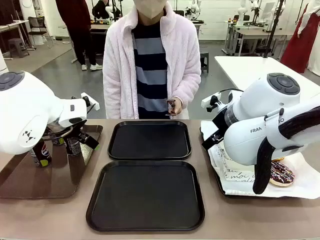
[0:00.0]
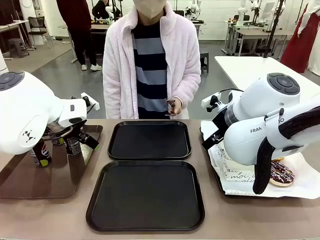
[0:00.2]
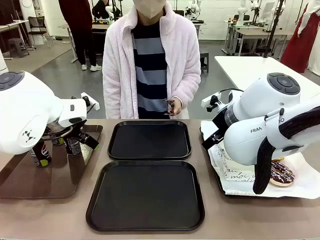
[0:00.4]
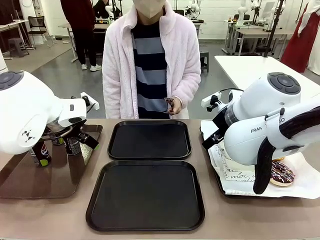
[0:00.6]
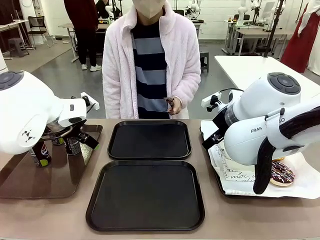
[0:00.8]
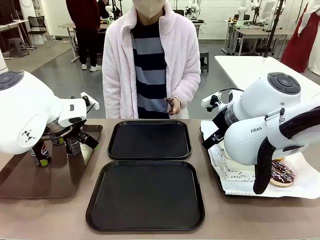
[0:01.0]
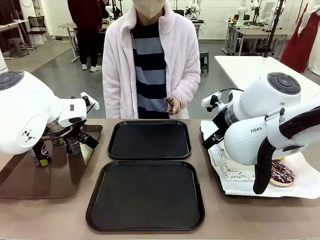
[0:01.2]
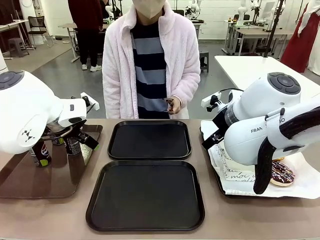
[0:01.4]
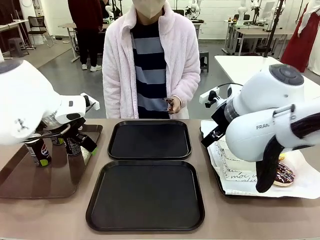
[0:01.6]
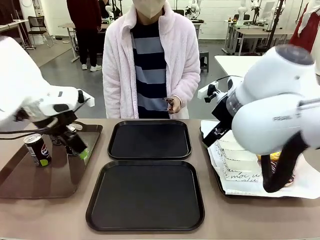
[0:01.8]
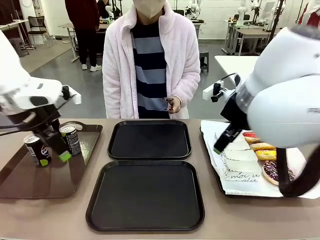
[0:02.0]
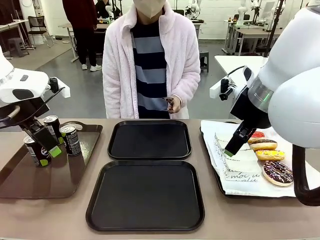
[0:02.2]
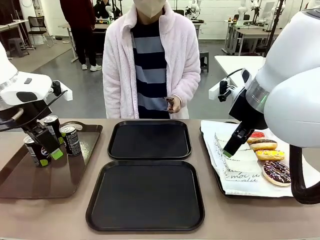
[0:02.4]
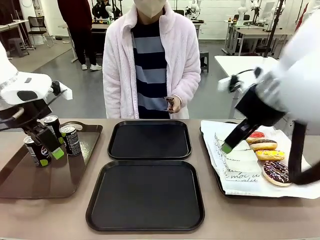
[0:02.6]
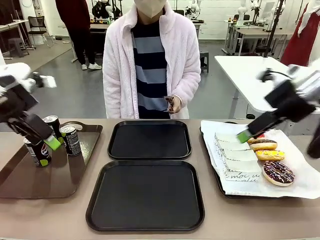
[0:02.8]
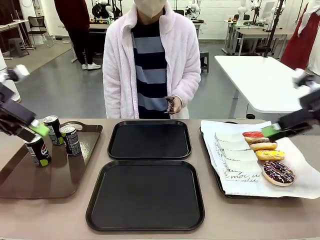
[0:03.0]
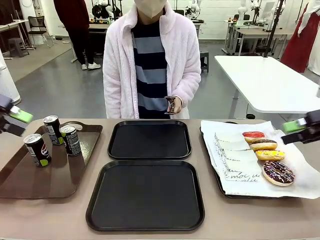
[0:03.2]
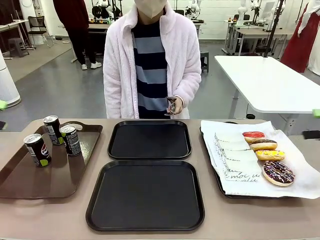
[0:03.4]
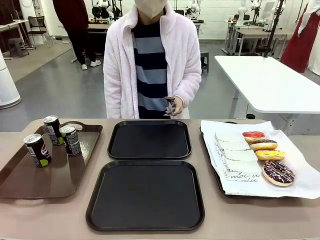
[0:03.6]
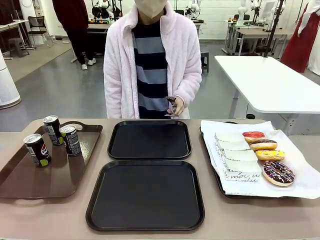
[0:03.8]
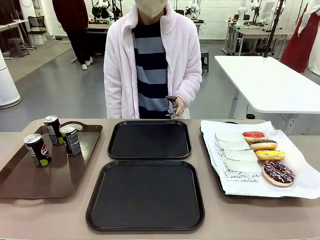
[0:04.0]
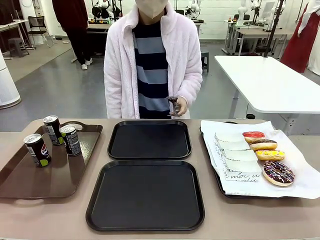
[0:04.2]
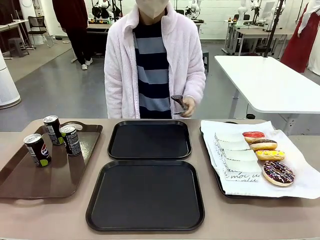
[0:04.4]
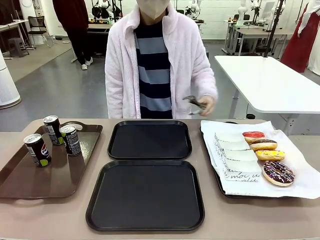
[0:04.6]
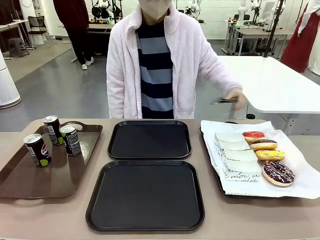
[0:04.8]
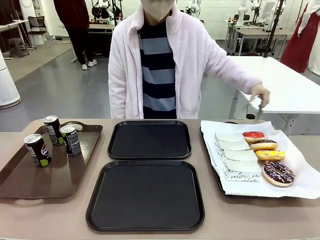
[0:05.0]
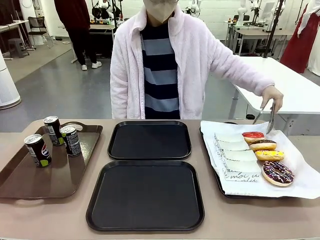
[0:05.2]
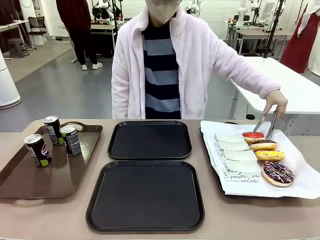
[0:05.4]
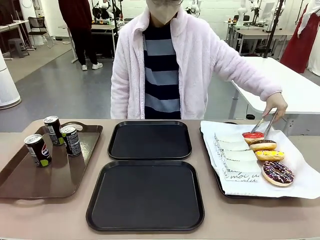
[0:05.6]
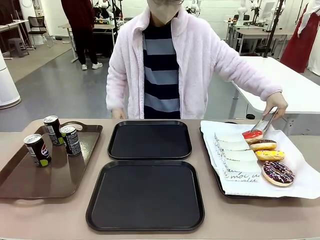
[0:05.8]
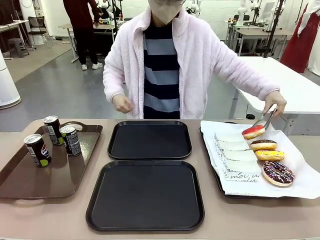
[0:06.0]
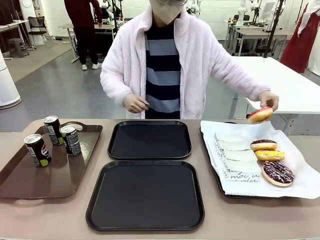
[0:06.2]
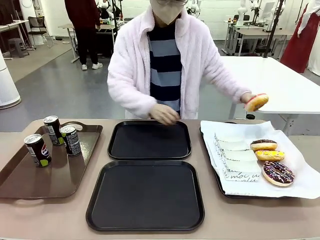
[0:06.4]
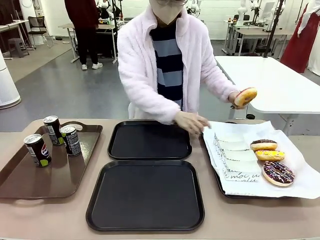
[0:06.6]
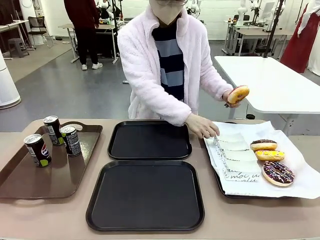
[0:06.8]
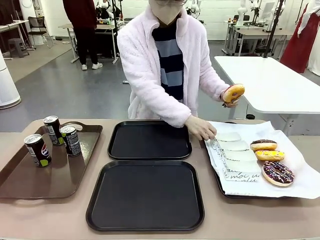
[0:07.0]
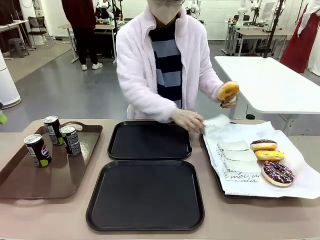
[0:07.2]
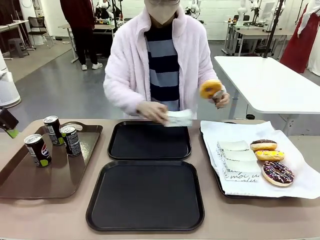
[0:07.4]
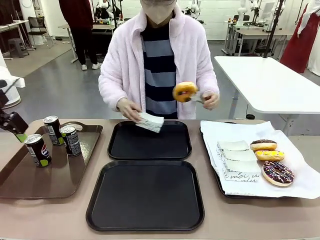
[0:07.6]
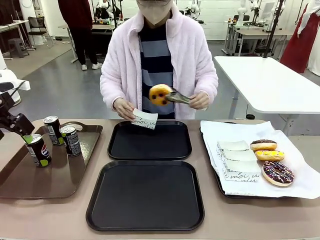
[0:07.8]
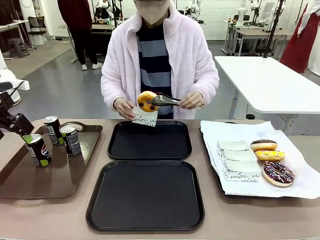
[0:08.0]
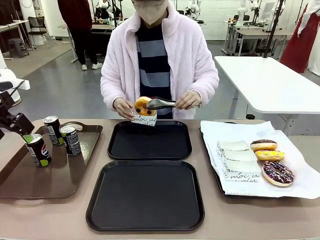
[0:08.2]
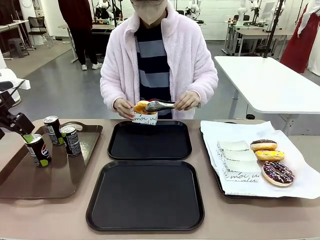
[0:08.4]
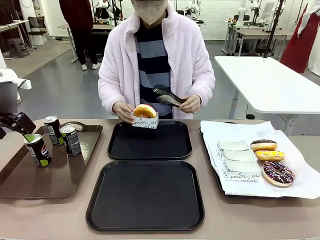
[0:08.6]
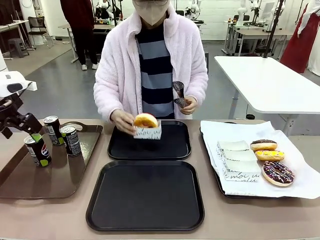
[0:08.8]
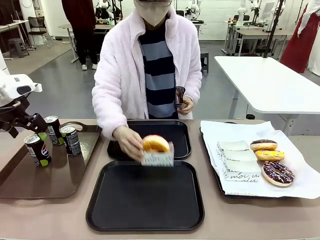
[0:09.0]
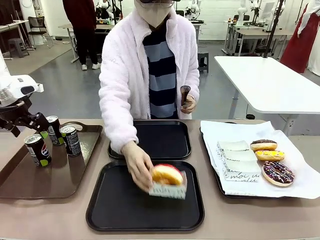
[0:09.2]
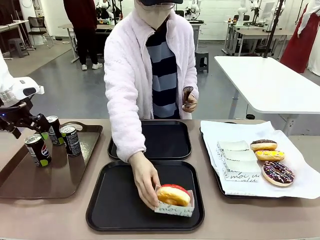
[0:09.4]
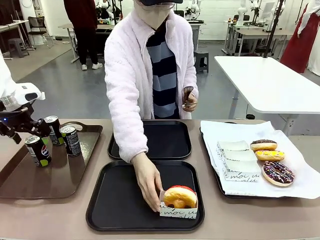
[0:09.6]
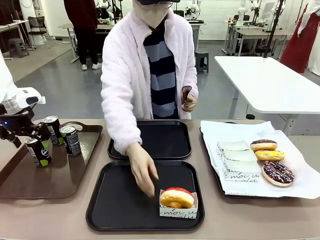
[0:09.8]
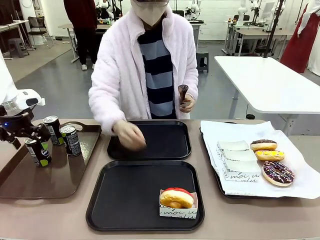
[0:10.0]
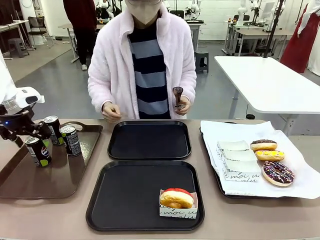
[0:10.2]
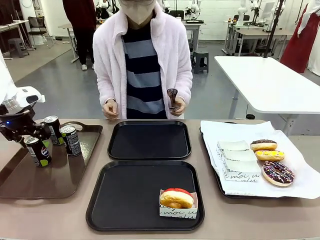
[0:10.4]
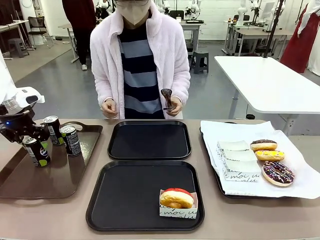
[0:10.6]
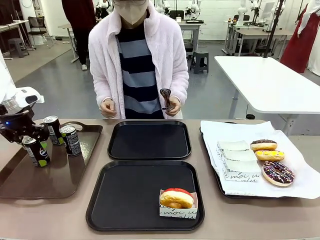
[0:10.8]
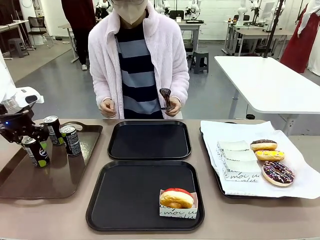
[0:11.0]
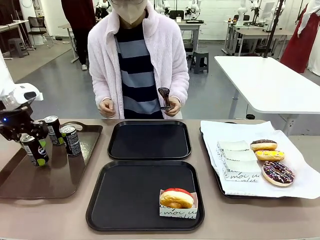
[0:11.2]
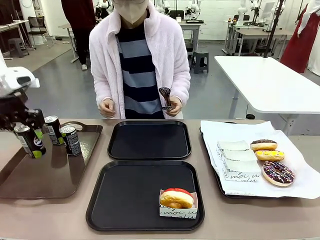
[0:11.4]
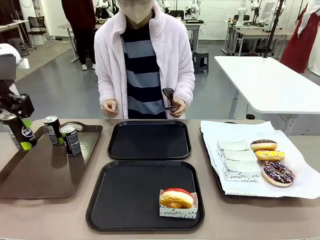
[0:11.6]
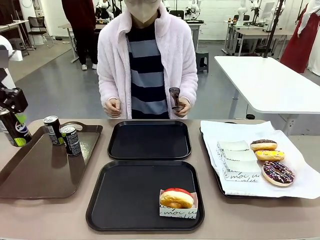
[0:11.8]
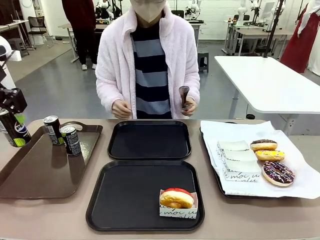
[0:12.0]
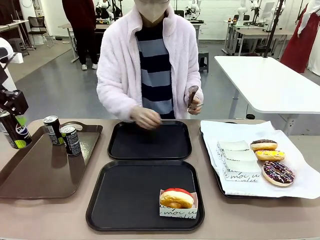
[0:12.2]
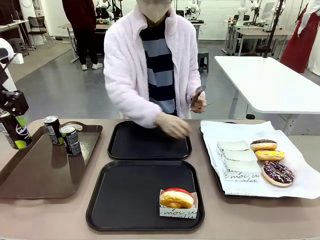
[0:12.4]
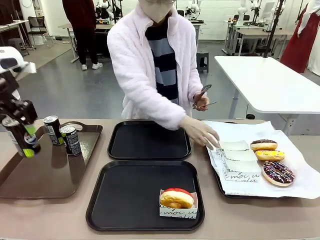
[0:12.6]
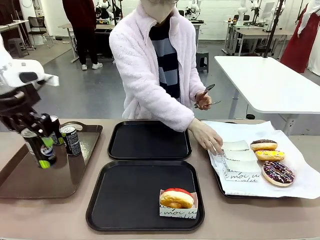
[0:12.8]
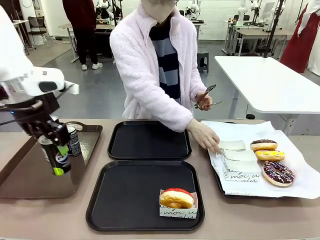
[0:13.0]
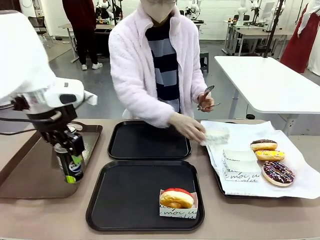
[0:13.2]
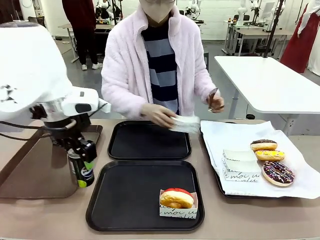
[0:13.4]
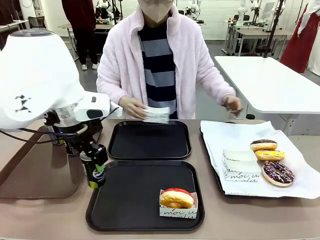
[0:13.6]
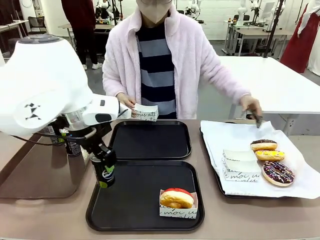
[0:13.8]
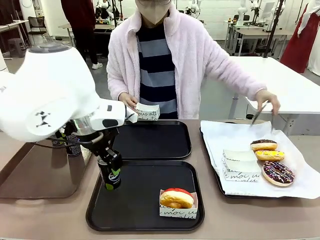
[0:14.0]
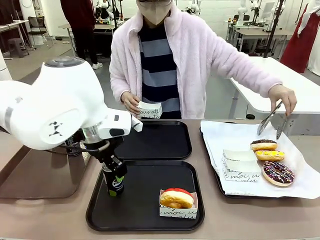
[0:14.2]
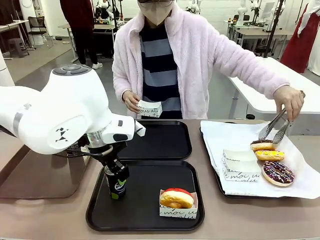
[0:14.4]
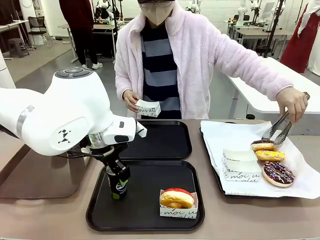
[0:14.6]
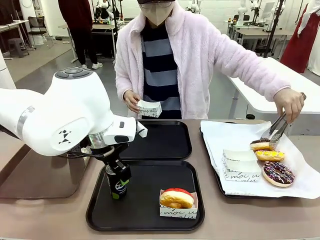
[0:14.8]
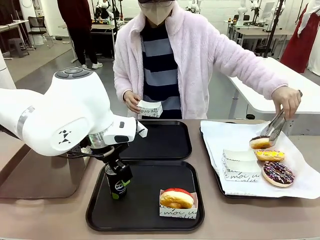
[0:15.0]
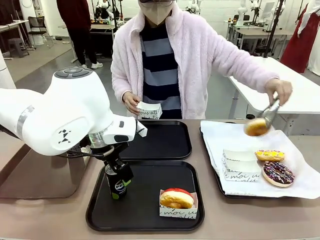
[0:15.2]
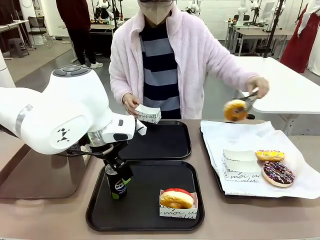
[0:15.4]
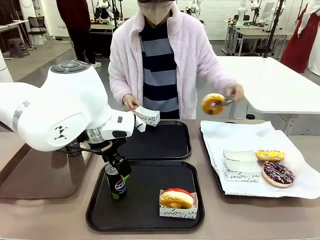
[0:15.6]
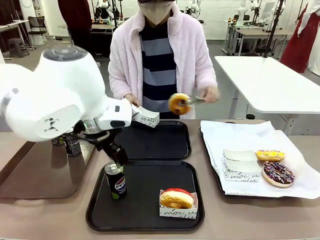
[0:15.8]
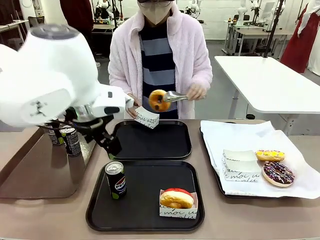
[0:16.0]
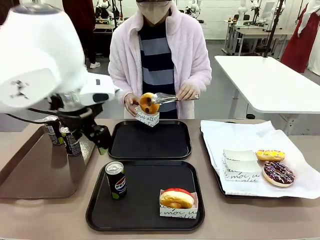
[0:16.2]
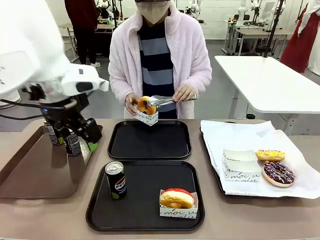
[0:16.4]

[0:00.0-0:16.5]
Task: Set up donuts and drinks on trays.
Robot: Pick up one Pepsi coke and place it on the Flat Tray.

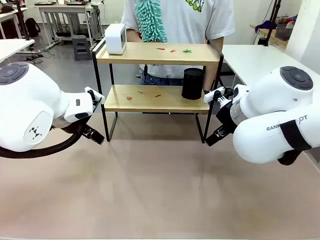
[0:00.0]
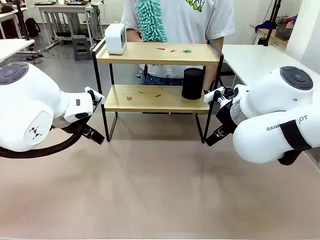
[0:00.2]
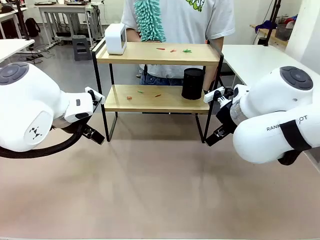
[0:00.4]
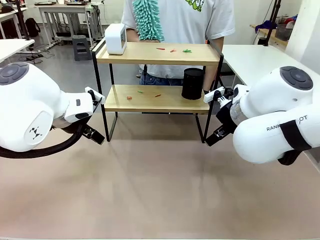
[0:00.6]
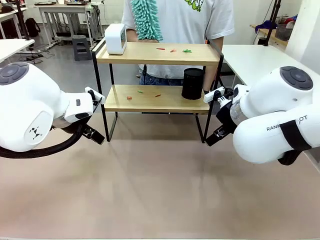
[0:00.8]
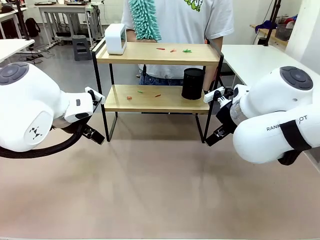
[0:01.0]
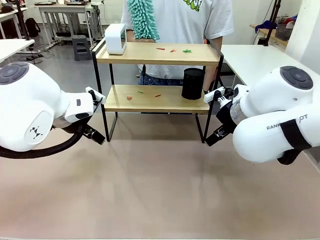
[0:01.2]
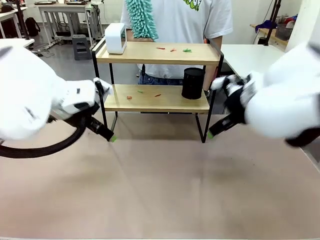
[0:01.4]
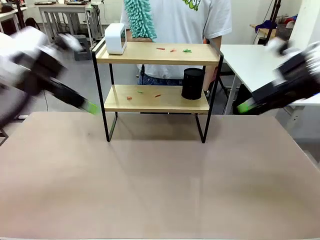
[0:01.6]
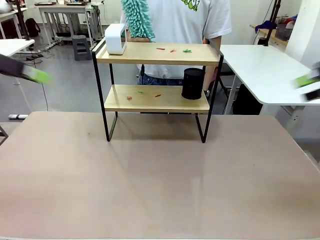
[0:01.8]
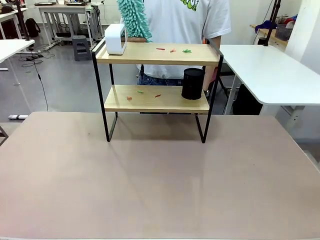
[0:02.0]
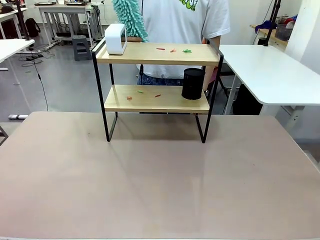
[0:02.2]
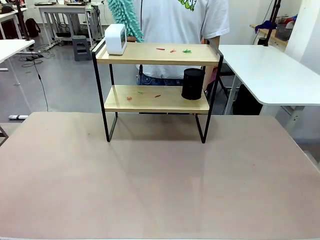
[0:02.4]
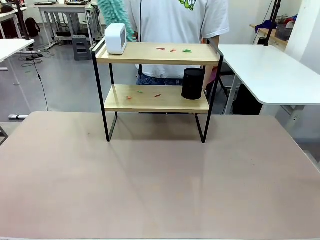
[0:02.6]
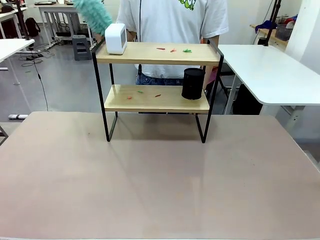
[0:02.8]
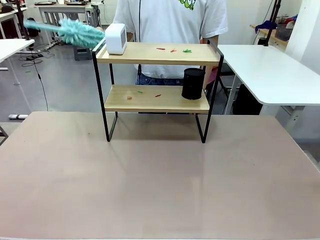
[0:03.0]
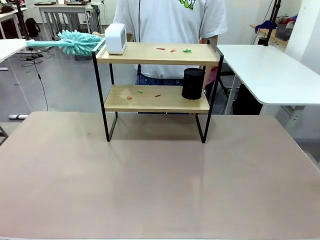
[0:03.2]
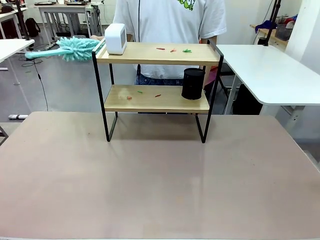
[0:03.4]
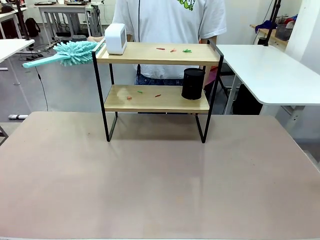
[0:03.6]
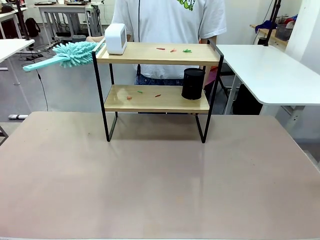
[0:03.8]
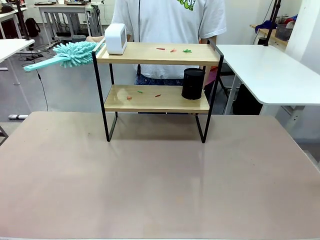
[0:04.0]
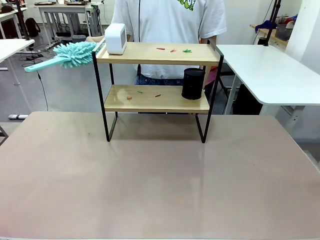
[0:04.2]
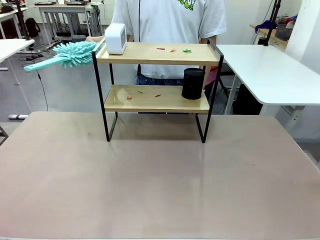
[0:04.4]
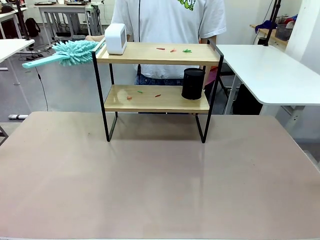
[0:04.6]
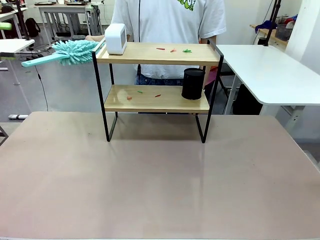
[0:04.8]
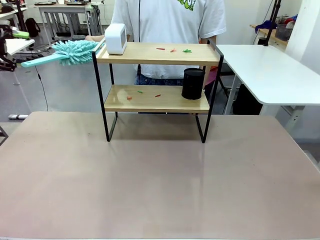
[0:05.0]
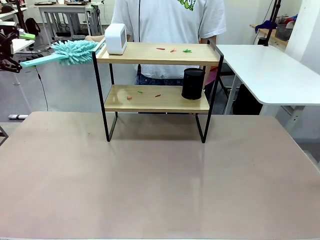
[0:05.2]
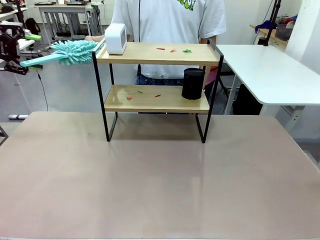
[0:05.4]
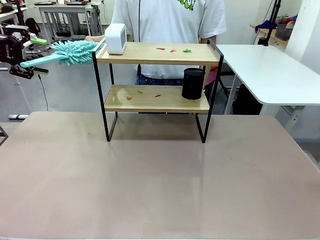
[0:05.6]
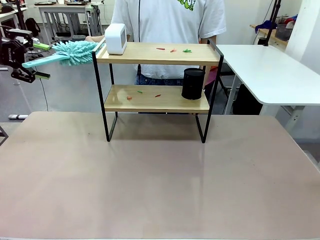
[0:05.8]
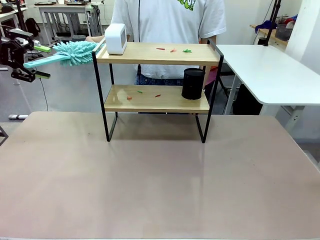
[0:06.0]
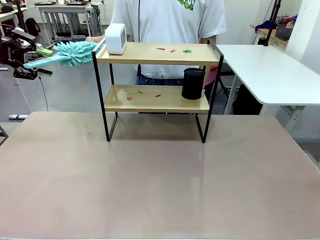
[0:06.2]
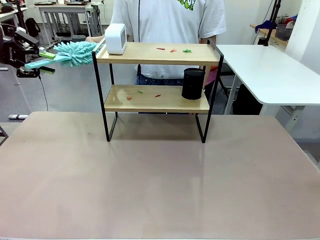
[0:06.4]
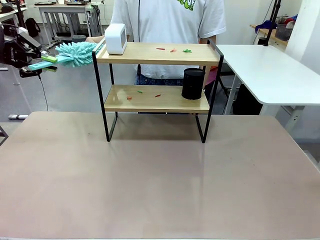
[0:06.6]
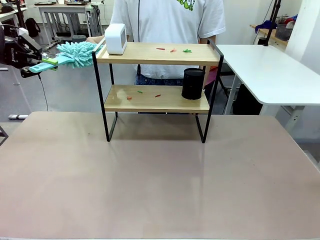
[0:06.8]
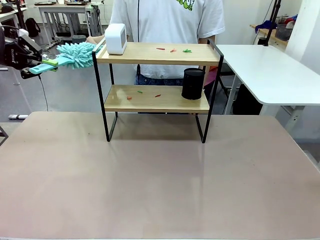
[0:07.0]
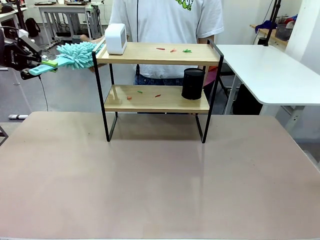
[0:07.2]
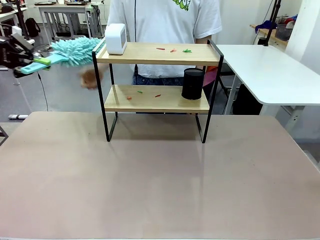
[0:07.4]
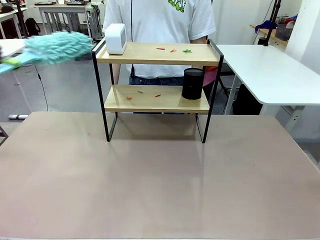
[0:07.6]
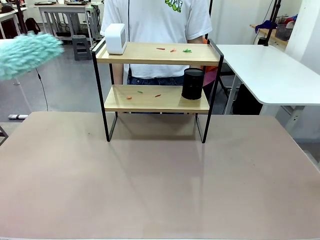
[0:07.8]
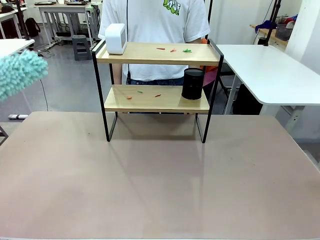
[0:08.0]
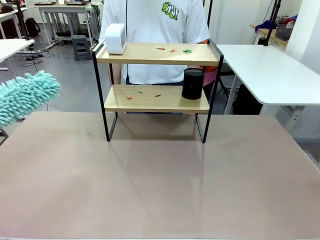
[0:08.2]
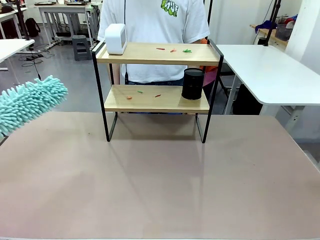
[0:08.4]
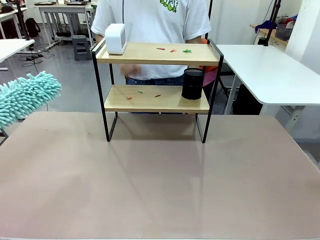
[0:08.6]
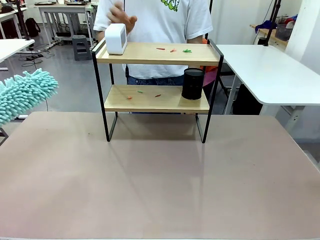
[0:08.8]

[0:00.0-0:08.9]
Task: Clean the shelf.
Robot: Pick up the Duster from the human.
Person: Hand the Duster to the robot.
